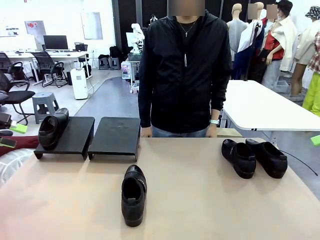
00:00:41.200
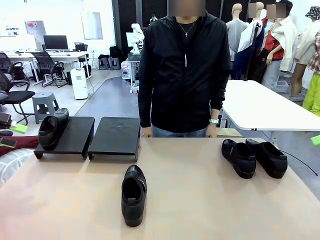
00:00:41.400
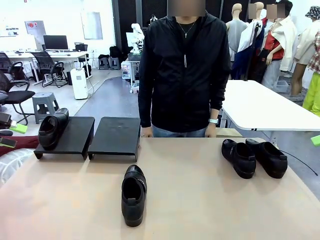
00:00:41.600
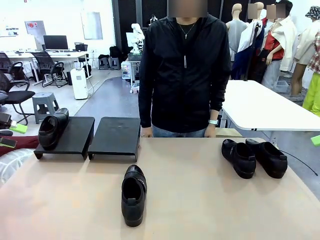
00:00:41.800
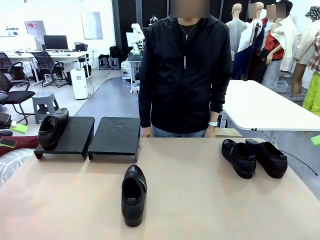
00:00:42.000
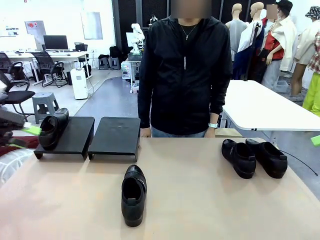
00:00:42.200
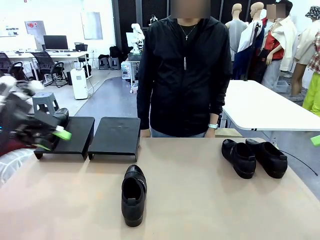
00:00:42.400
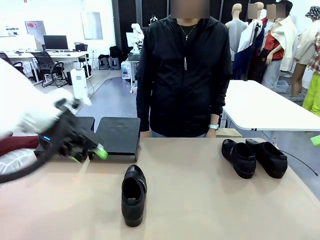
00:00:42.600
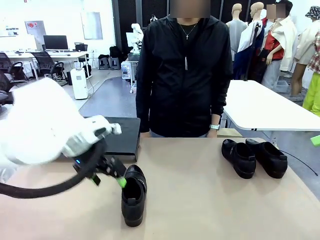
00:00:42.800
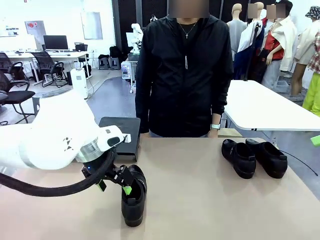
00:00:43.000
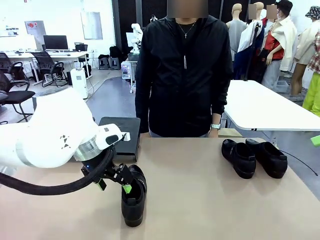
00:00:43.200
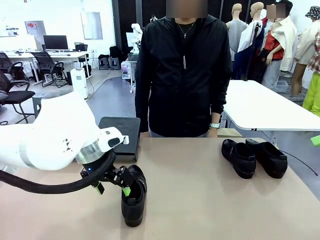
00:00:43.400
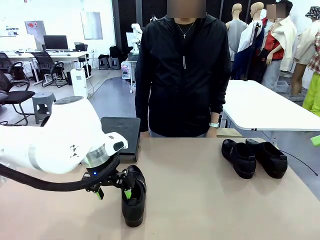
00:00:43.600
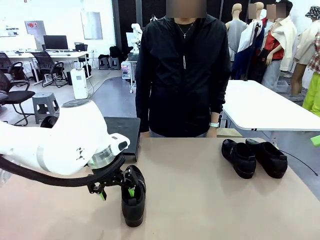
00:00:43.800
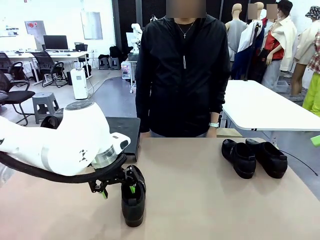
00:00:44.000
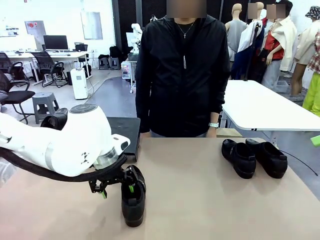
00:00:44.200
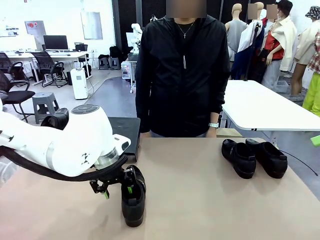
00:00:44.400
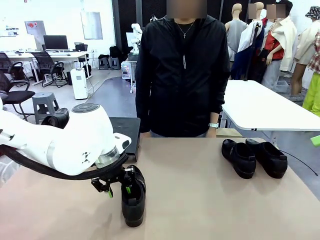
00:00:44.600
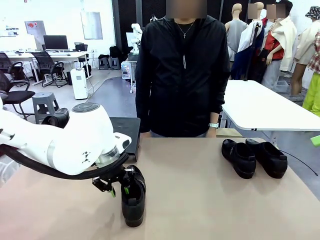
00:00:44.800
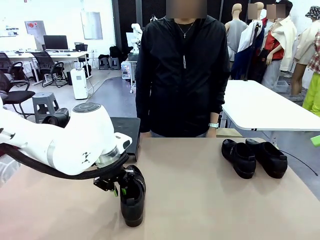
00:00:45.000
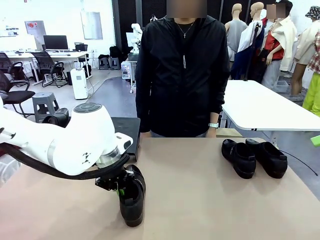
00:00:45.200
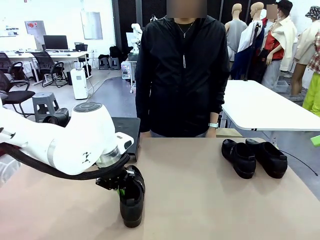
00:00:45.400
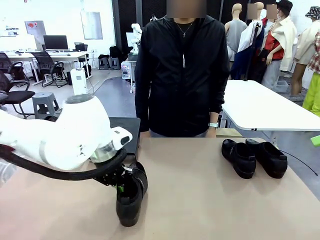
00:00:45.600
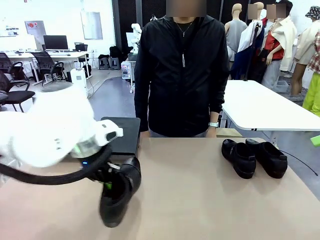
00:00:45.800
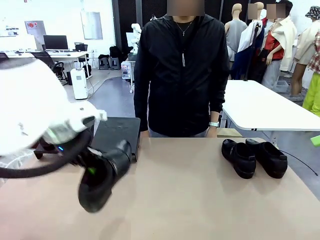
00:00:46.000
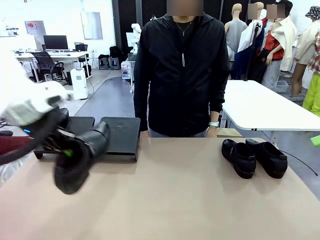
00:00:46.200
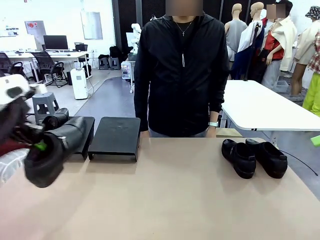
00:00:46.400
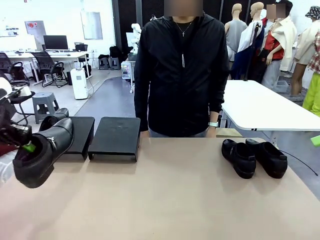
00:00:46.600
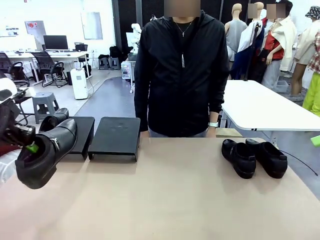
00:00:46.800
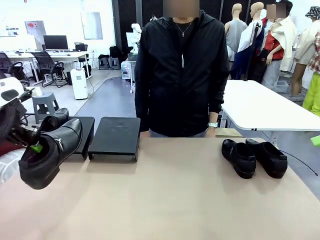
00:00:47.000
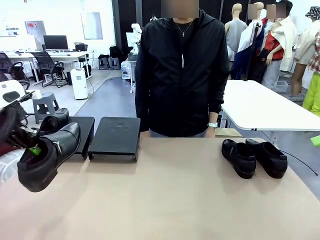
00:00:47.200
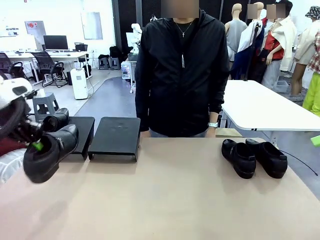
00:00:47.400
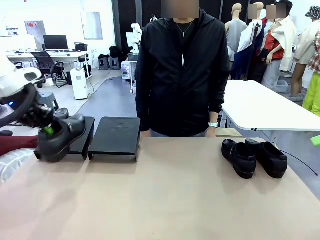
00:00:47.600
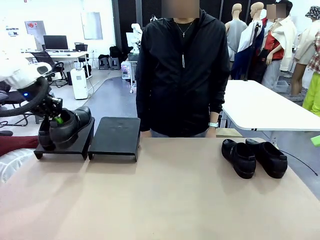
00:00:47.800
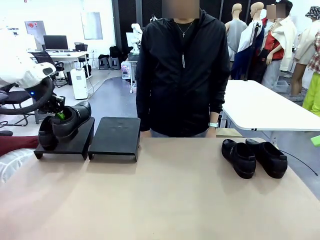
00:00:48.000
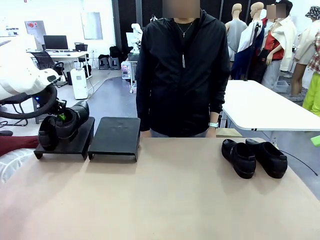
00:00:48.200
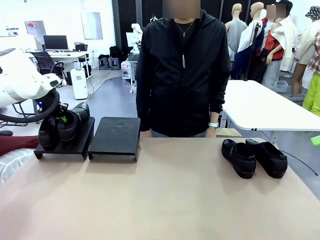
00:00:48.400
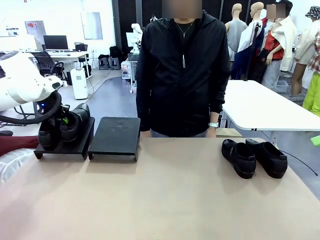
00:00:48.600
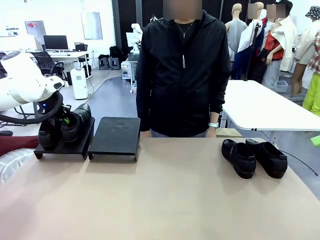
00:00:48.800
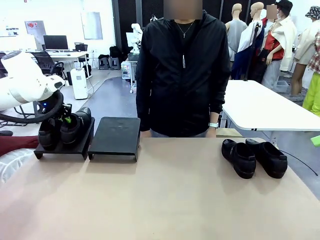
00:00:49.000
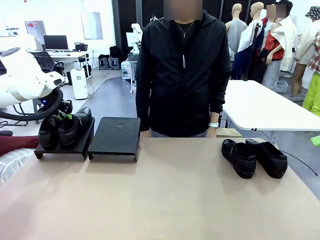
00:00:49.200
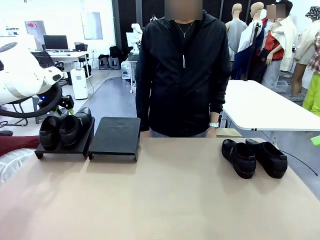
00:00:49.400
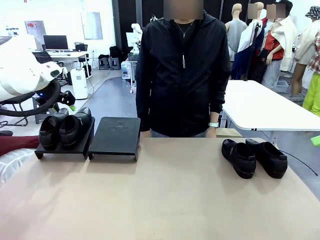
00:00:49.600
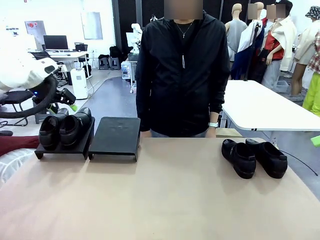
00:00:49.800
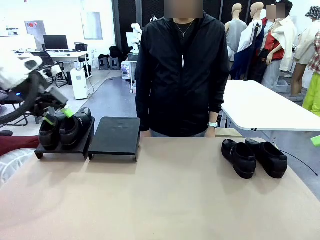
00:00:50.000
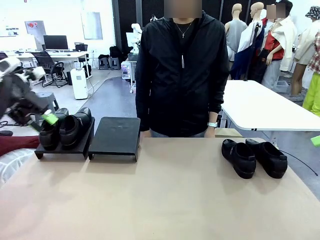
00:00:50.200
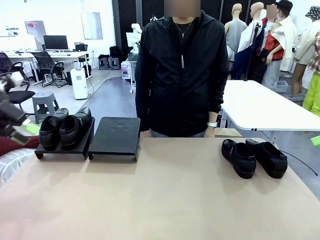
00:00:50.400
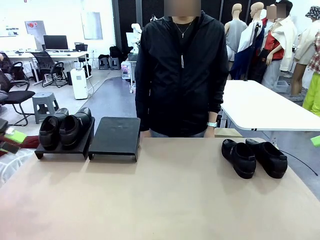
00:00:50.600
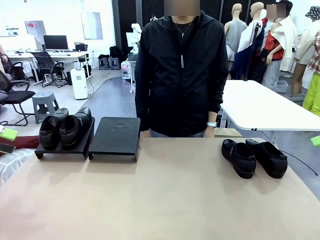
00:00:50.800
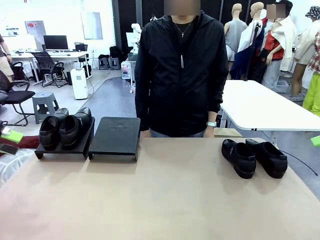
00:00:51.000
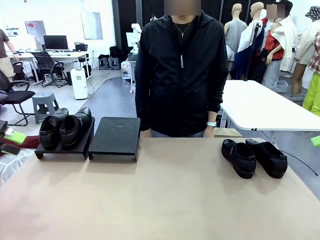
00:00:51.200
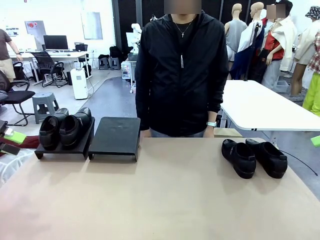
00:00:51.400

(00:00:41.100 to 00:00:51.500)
Task: Organize the shoes by placing them on the stand.
Robot: Place the Shoe from the middle of the table onto the Shoes Stand.

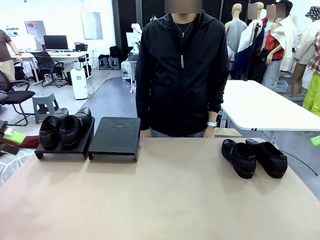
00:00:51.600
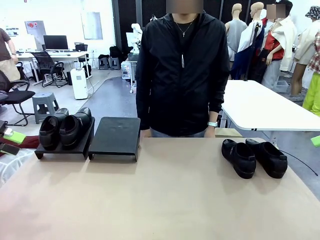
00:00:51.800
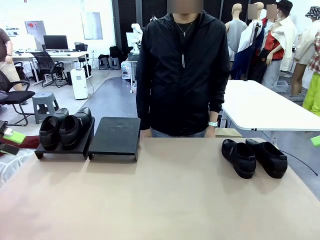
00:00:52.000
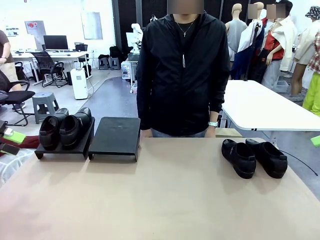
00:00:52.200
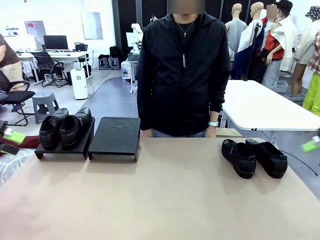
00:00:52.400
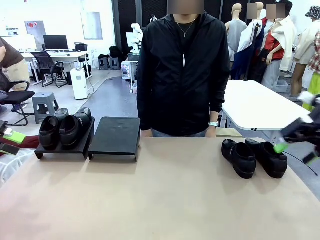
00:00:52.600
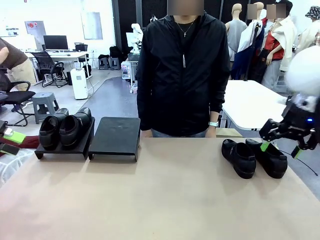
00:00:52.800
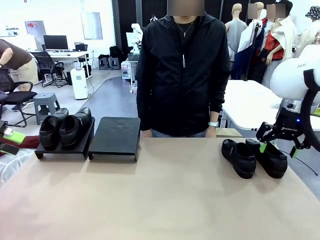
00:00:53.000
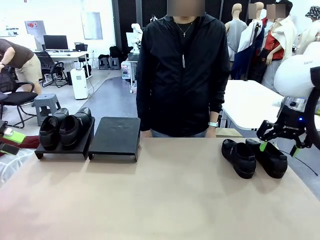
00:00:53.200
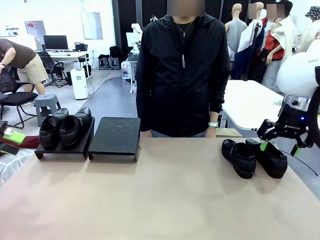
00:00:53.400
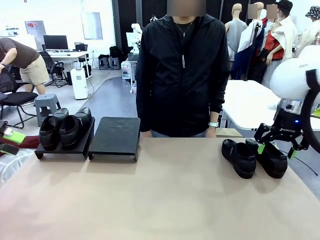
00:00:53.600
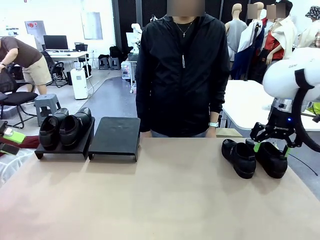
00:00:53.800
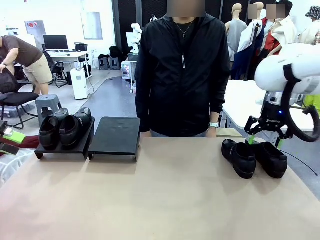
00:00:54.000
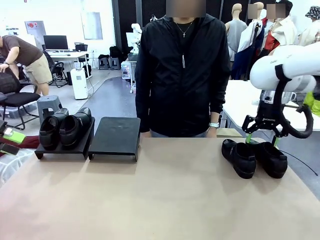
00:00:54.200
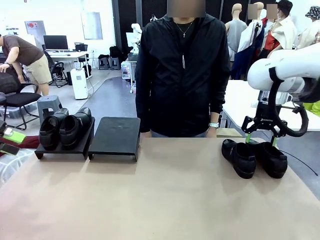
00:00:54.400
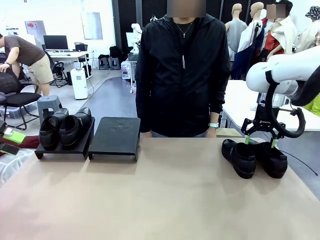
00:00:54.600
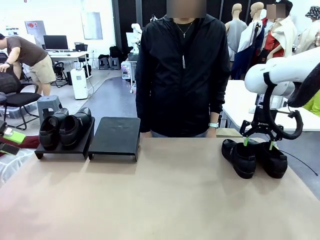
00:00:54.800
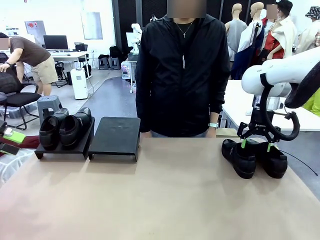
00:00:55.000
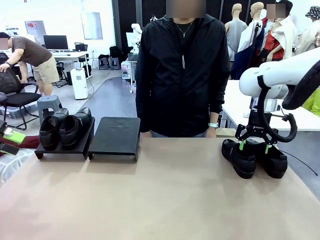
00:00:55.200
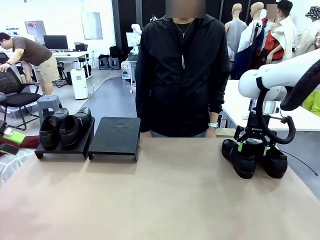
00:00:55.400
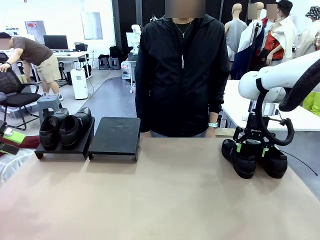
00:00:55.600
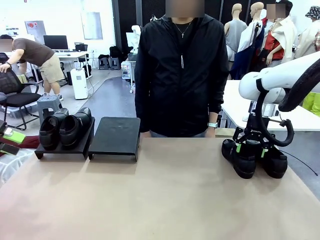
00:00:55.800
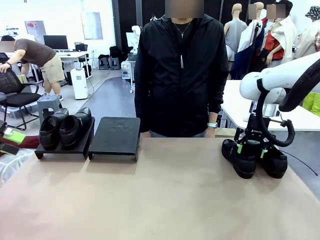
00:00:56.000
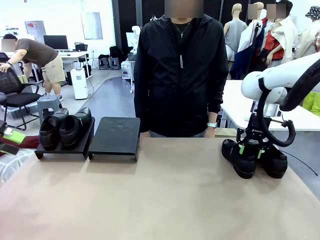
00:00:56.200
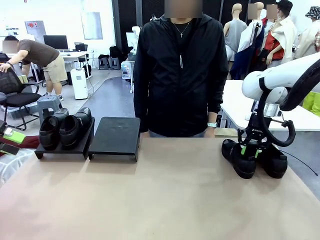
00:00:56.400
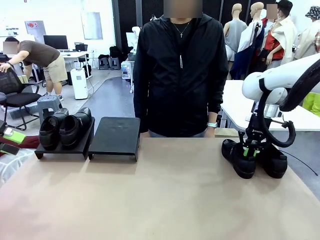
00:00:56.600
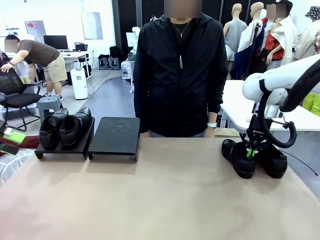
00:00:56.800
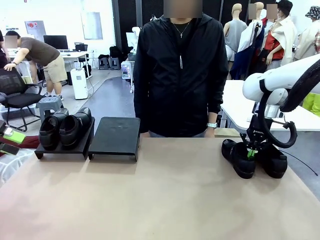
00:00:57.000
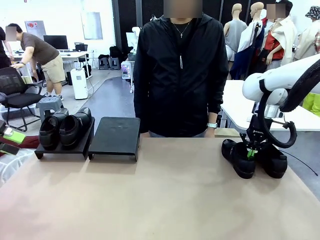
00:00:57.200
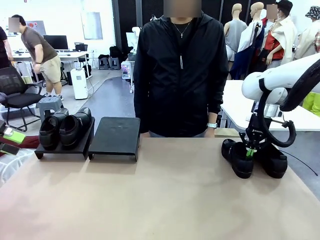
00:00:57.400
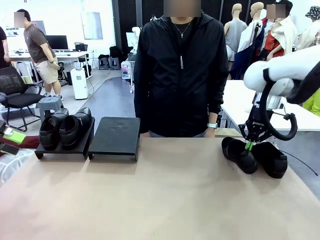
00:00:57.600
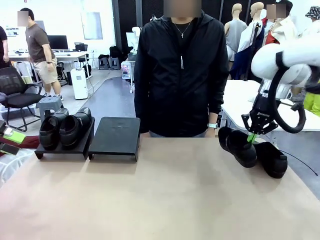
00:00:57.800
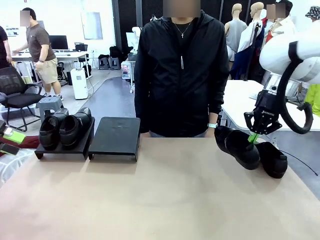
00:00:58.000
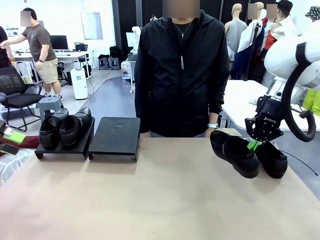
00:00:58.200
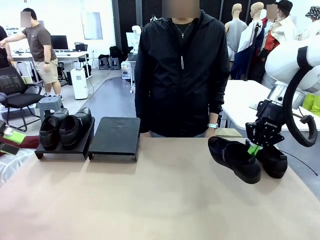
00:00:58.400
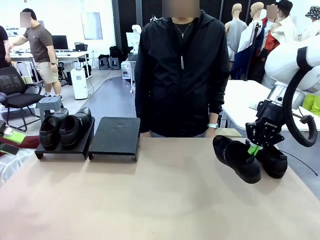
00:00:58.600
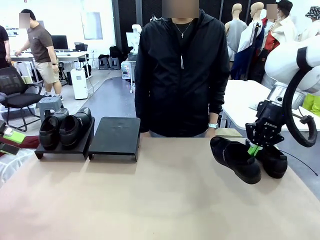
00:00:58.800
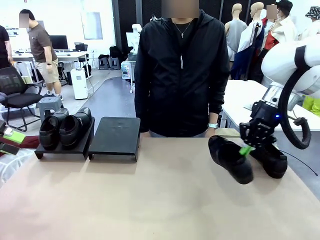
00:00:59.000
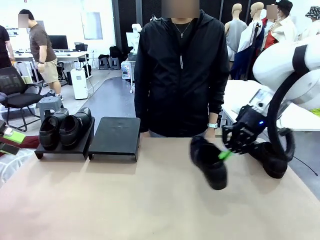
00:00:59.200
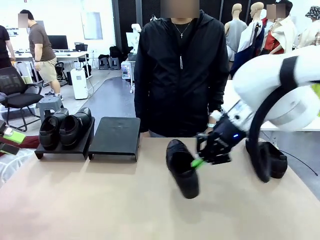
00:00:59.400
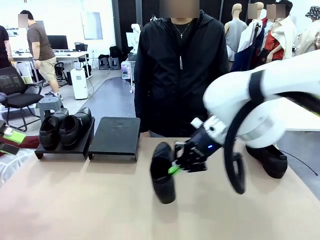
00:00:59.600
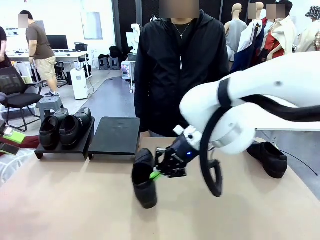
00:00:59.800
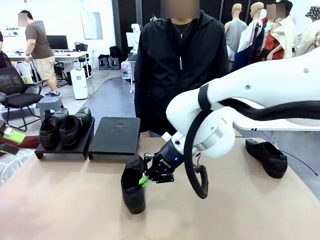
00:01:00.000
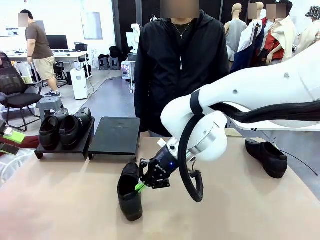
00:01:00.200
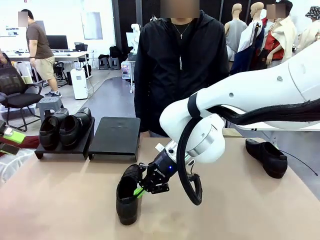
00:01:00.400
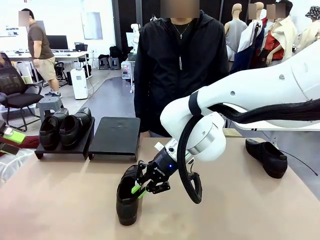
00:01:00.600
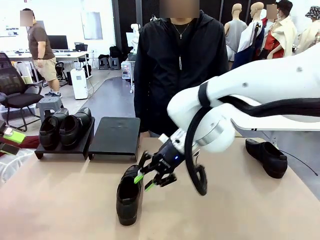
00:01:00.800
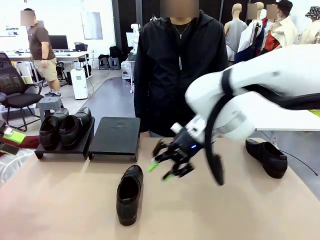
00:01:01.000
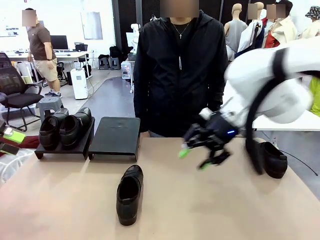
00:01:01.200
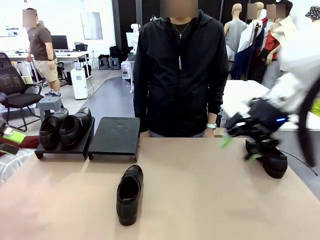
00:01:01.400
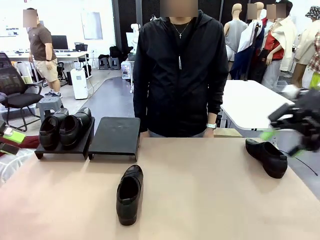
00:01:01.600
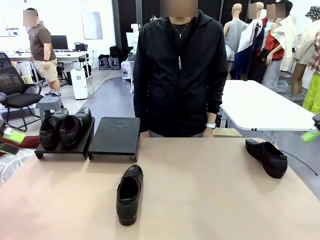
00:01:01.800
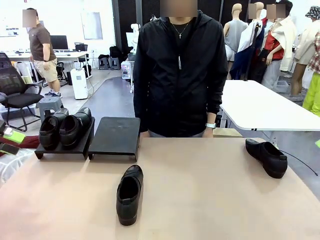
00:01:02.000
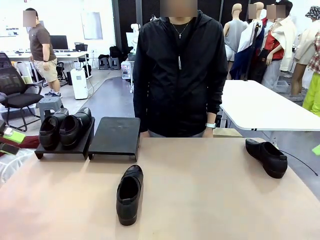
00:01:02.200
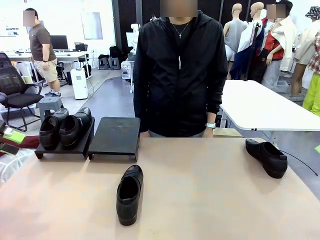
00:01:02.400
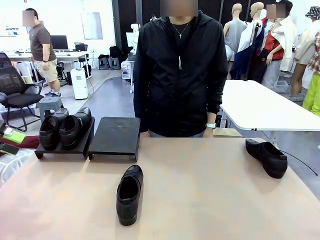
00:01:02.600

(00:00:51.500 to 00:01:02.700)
Robot: Pick up one Shoe and place it in the middle of the table.
